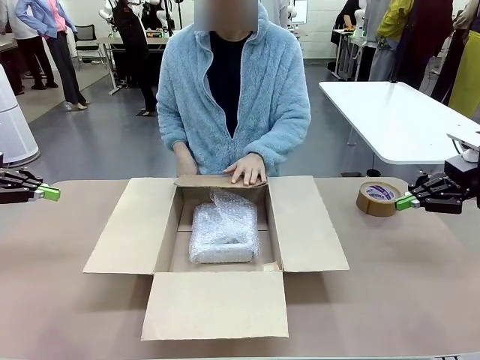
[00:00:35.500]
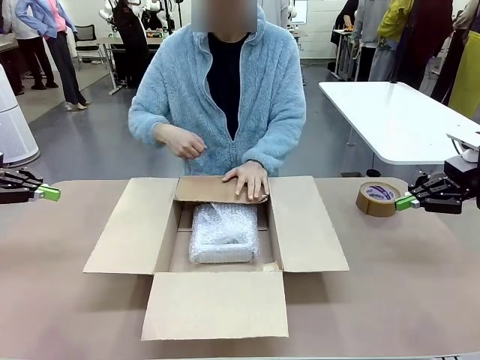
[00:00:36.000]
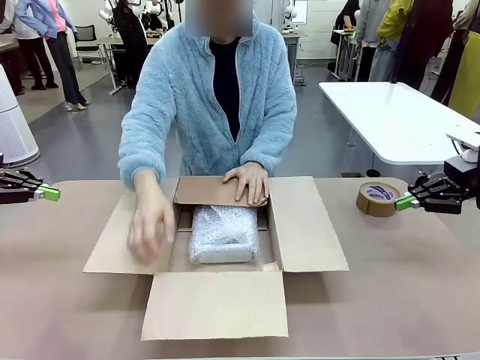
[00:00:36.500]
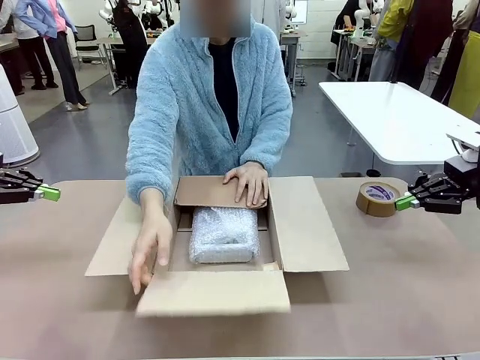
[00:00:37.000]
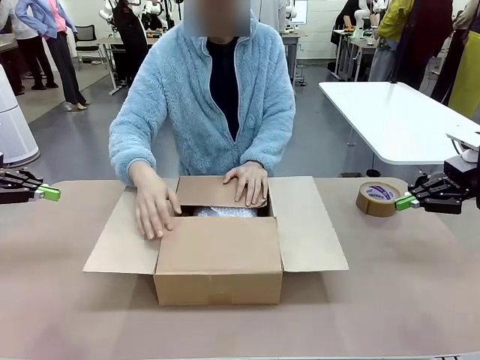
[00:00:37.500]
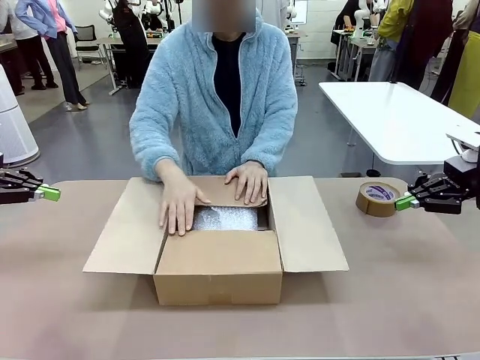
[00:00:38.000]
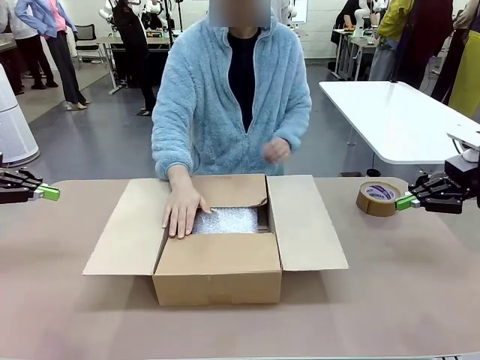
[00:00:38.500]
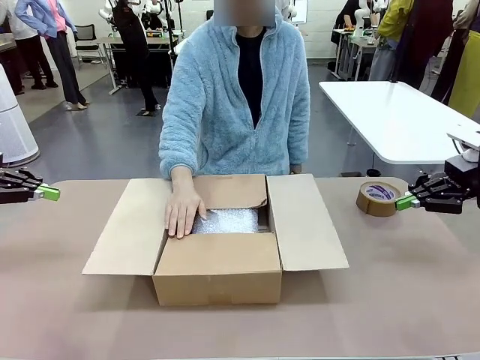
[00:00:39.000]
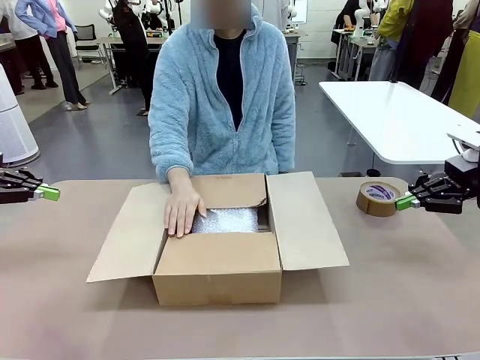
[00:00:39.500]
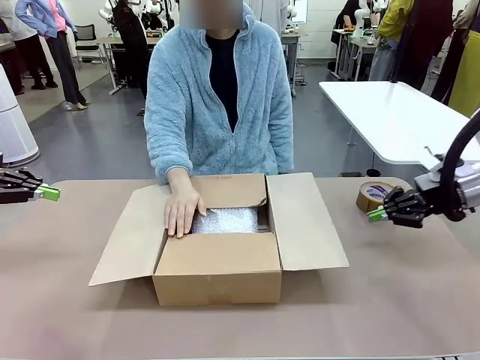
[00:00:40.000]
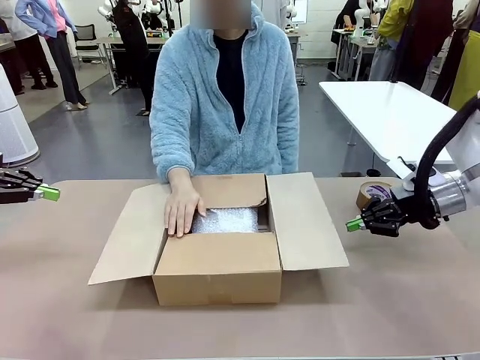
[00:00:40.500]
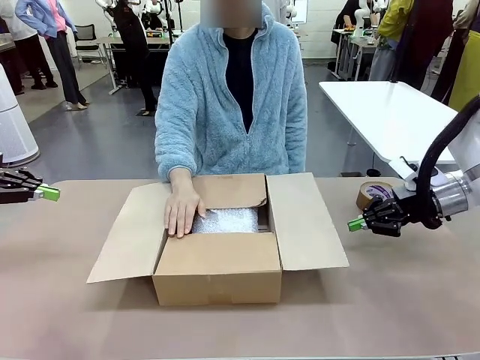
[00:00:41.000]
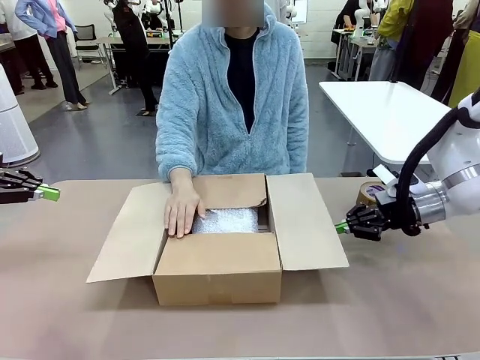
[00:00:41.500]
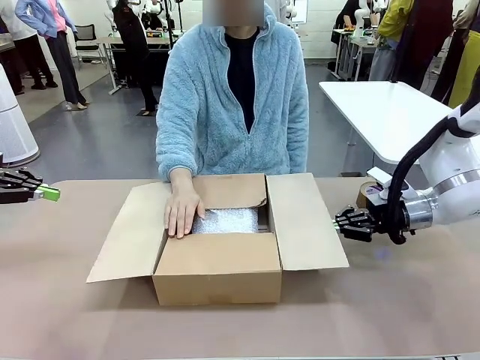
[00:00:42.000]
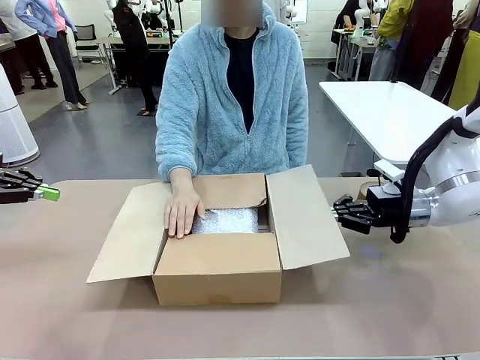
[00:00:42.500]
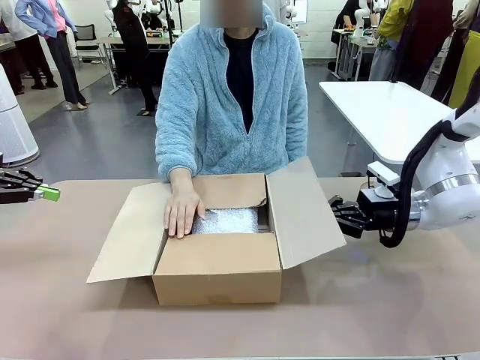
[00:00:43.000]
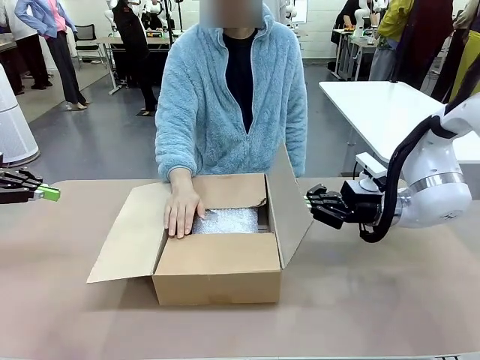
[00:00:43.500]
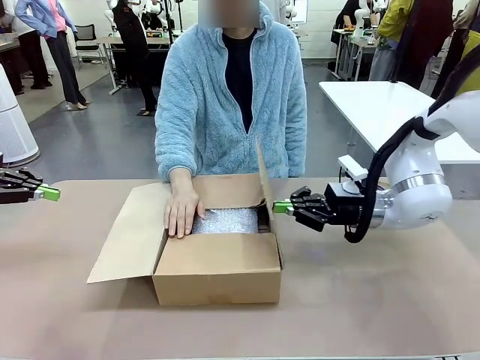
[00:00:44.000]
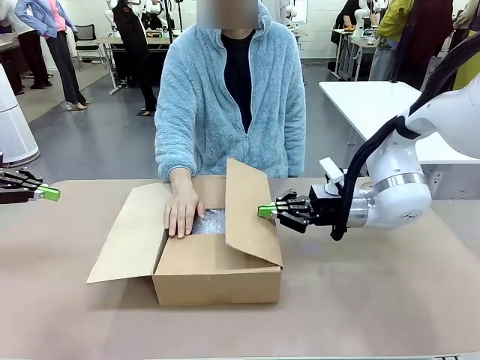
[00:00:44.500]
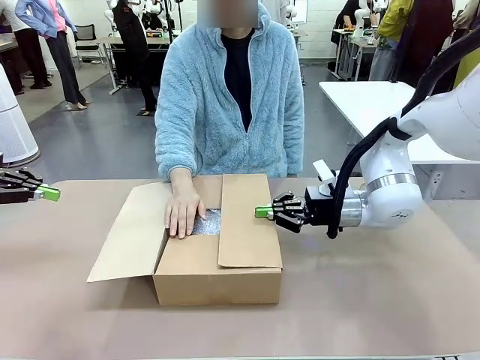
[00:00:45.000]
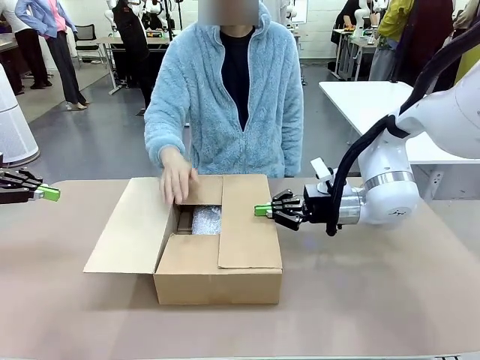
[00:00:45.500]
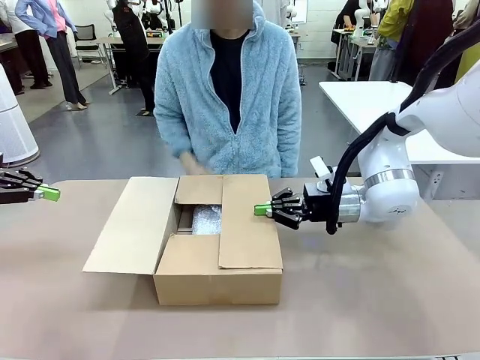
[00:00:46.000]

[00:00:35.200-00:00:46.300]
Task: Wrap the clocks to prevent damage.
Robot: Push the right (or left) flap of the Package Box to close it.
Person: Once the robot closes the right flap of the Package Box , release your left hand from the box.

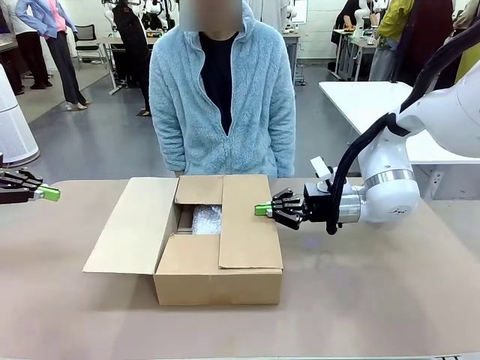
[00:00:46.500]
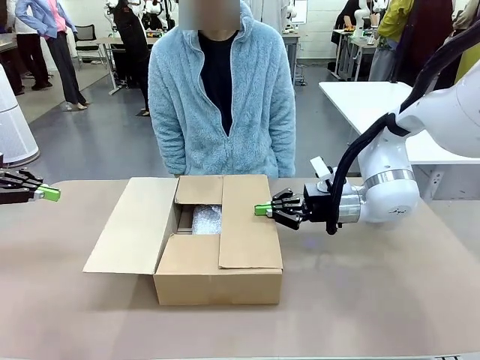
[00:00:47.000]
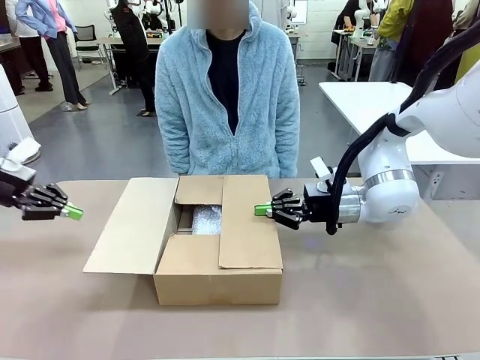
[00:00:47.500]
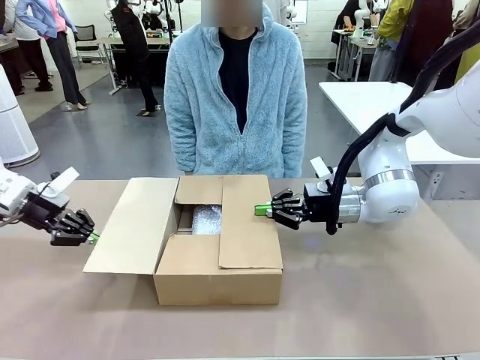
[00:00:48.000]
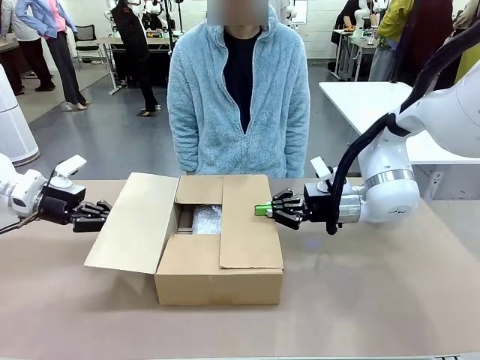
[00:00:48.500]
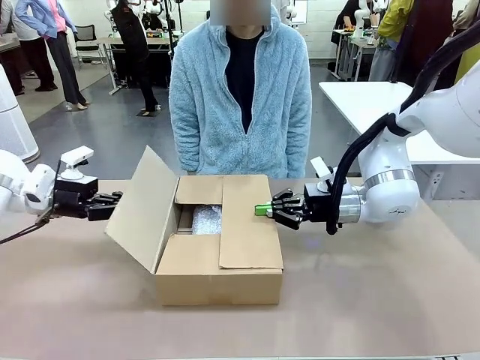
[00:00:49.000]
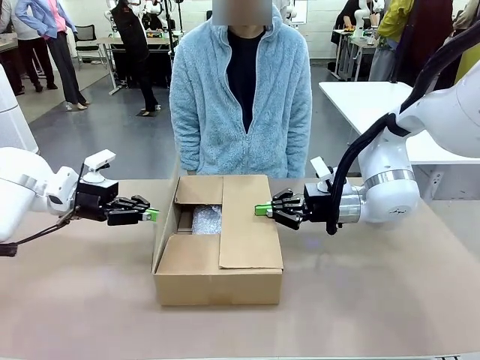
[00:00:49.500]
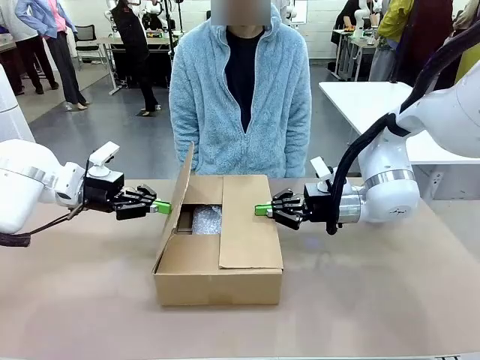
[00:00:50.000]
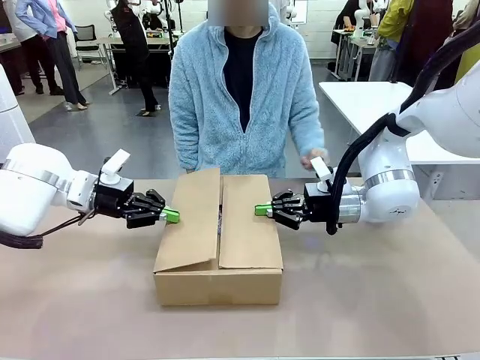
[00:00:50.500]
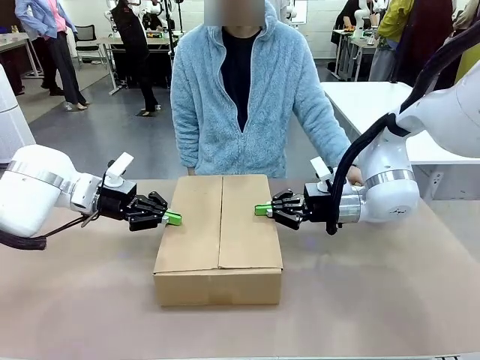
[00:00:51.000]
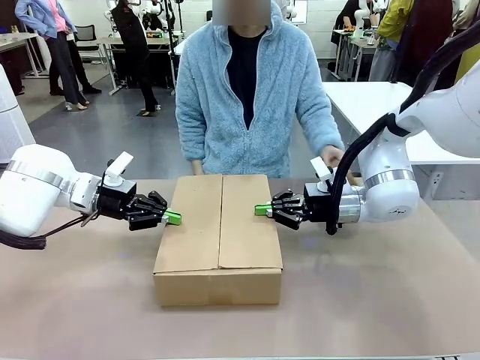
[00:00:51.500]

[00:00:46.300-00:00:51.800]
Robot: Push the left (or right) flap of the Package Box to close it.

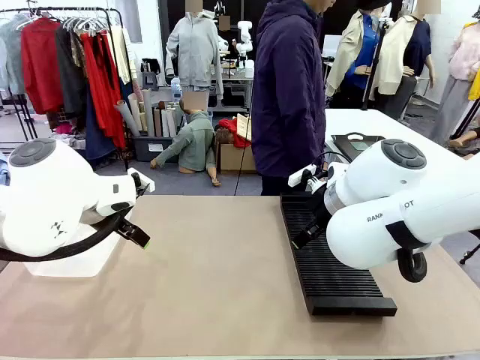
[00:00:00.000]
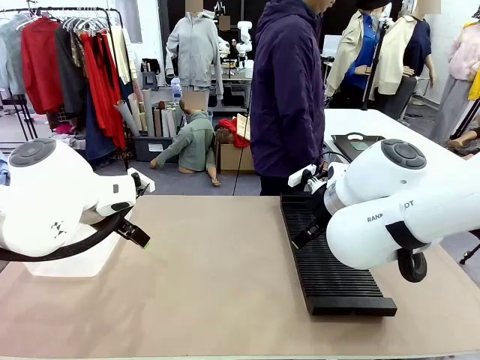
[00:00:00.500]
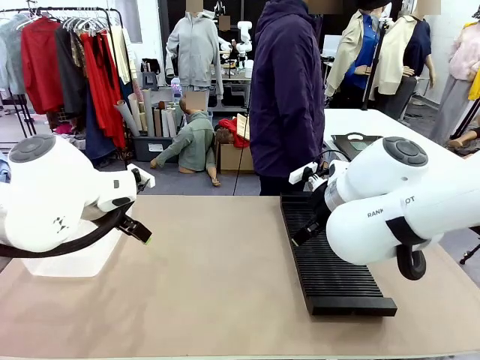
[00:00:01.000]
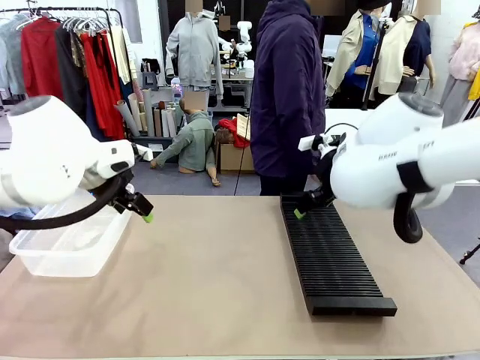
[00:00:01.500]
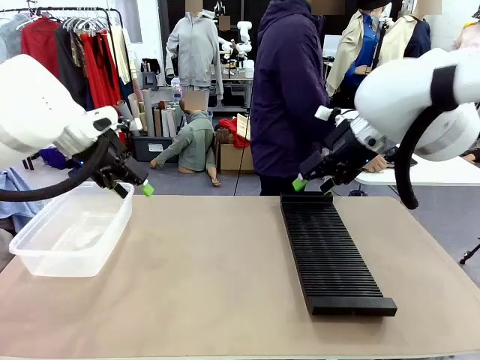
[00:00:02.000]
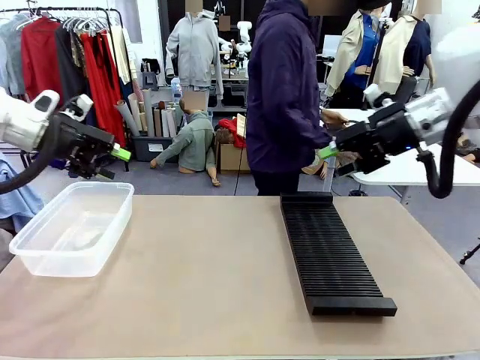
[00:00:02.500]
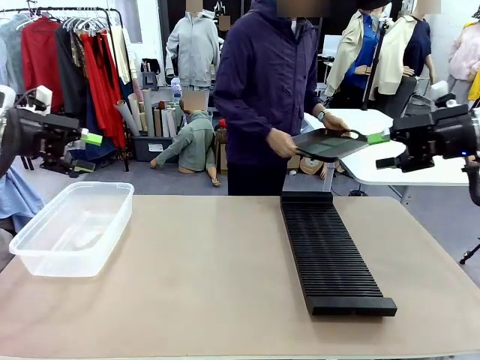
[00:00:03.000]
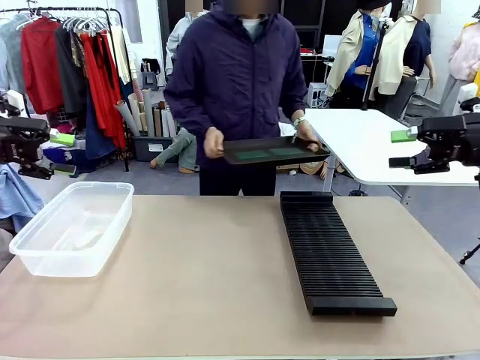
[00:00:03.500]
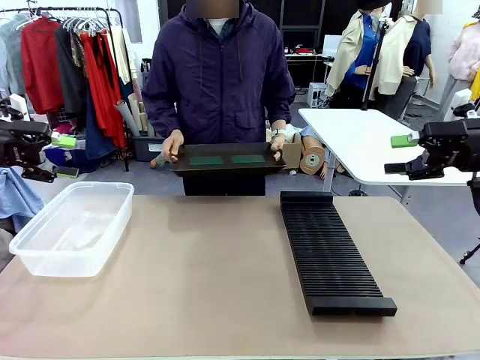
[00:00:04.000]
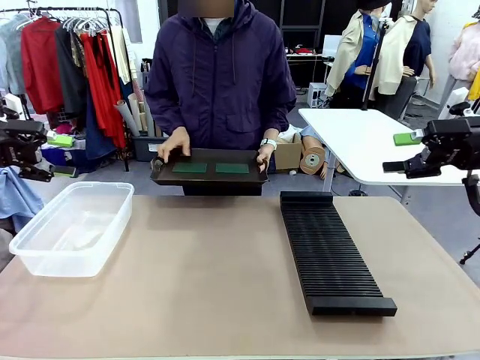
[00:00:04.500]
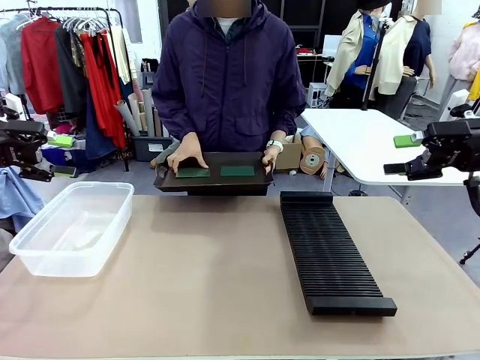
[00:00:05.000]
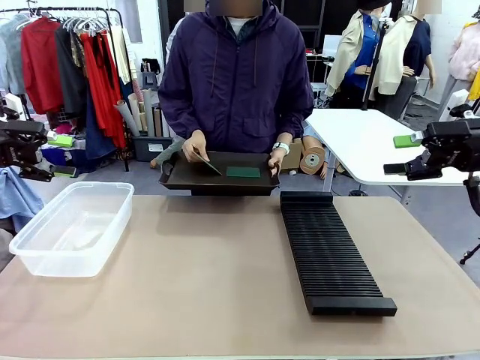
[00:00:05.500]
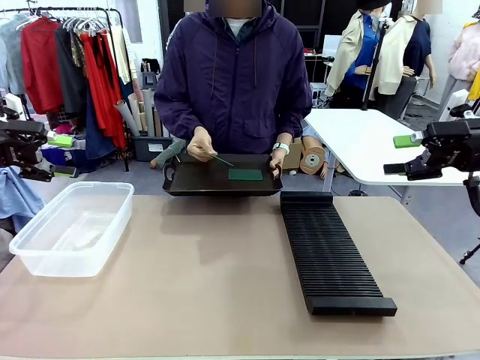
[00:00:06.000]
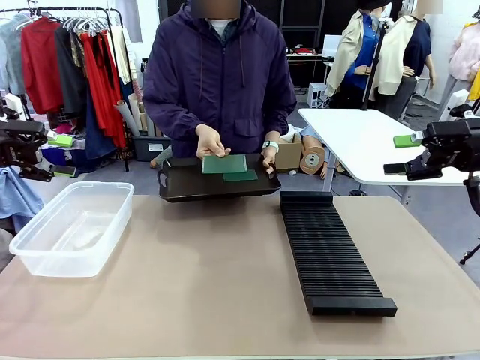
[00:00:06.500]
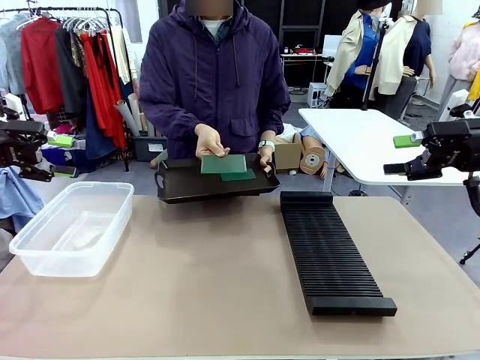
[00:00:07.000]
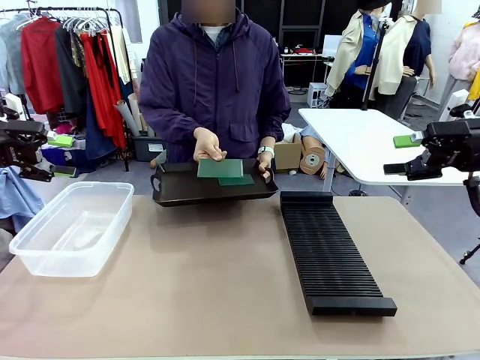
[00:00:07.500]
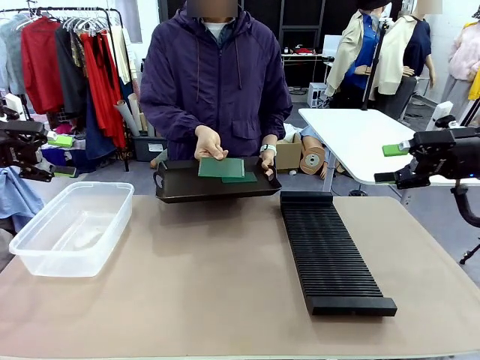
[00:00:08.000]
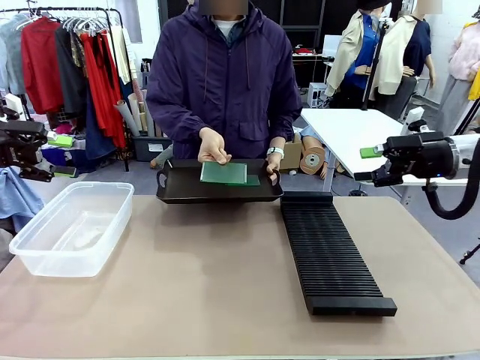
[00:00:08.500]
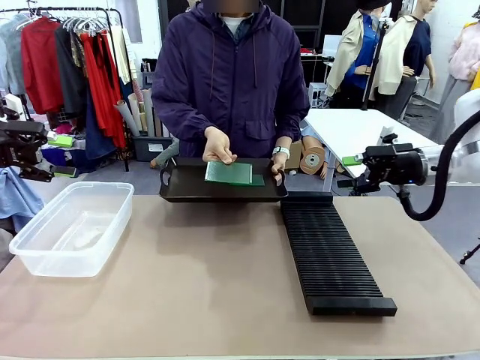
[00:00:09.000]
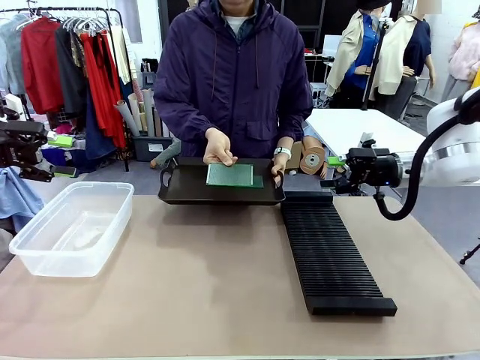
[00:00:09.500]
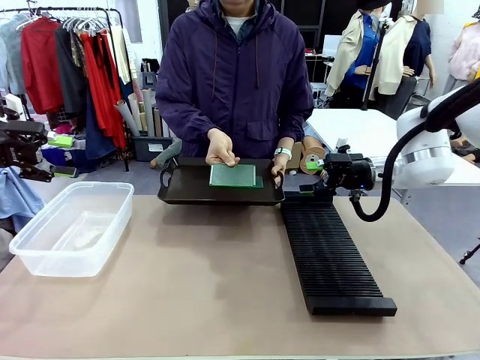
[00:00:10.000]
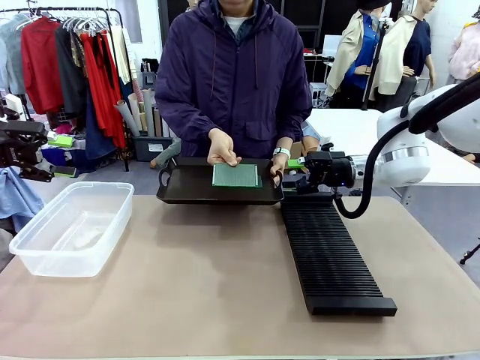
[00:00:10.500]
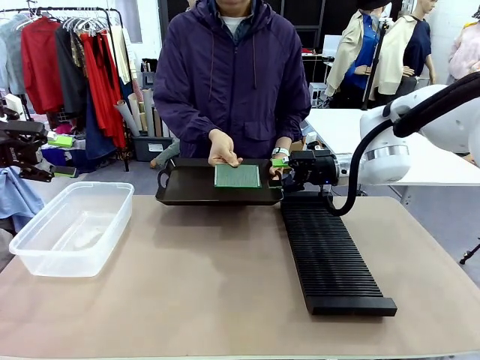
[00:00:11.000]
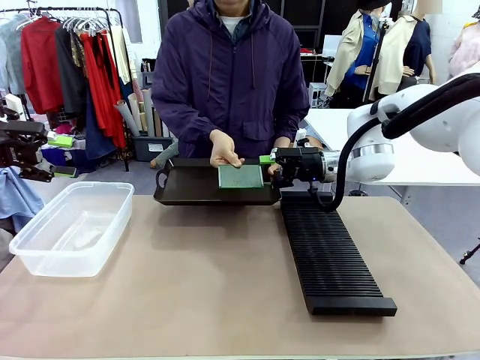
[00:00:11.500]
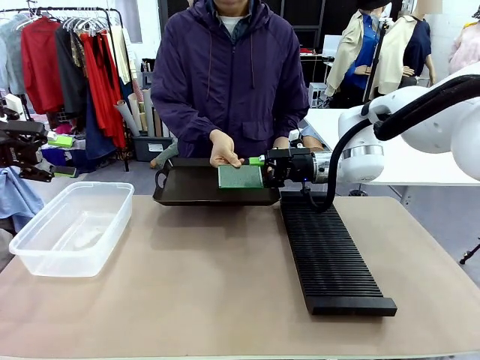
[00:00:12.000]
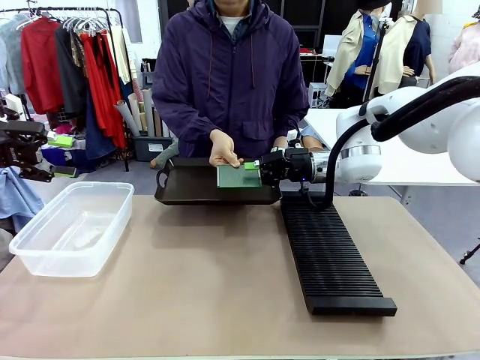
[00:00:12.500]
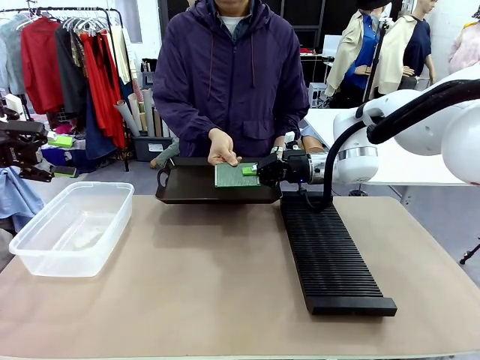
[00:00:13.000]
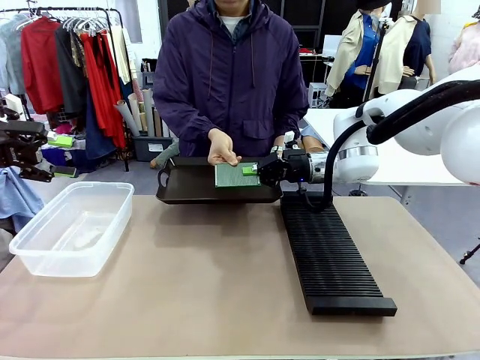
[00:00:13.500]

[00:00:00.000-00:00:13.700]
Task: Sort PCBs into racks and boxes based on the side picked up.
Robot: Pick up the Blank PCB handed by the Human.
Person: Pick one PCB from the tray and present it to the robot. Release the PCB being held.
